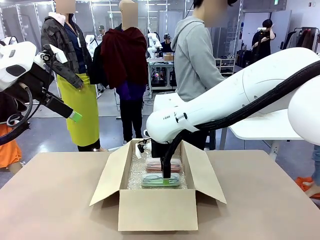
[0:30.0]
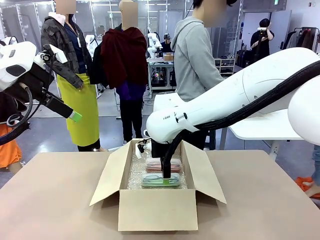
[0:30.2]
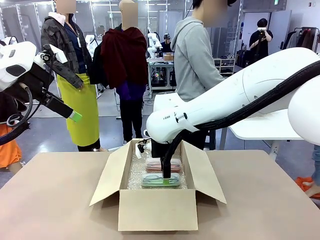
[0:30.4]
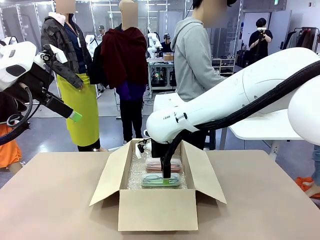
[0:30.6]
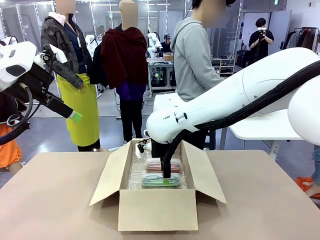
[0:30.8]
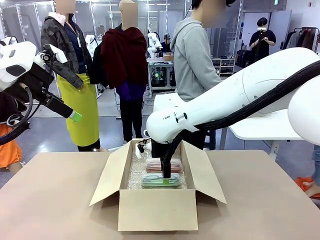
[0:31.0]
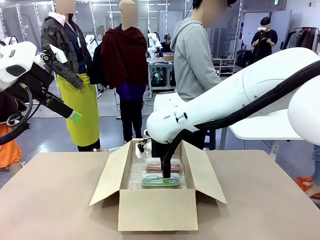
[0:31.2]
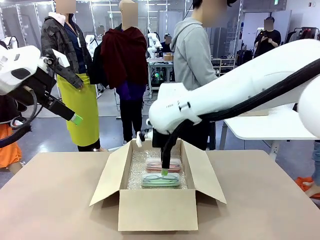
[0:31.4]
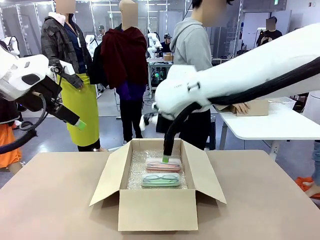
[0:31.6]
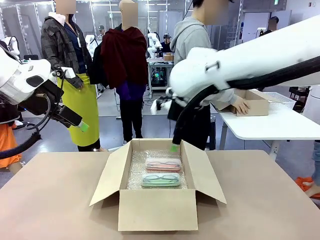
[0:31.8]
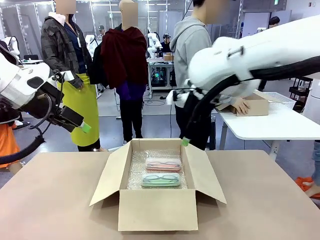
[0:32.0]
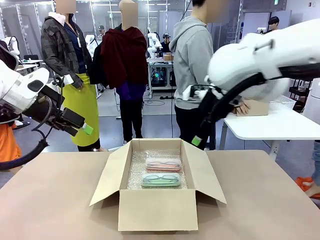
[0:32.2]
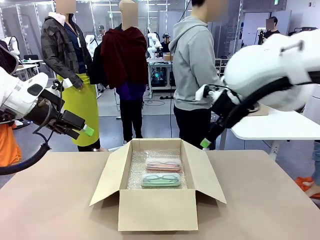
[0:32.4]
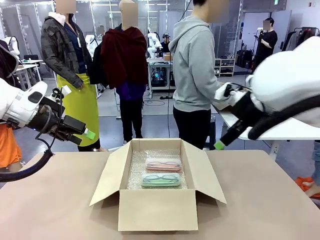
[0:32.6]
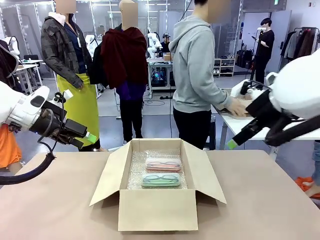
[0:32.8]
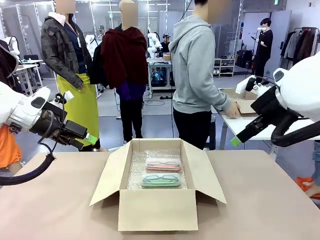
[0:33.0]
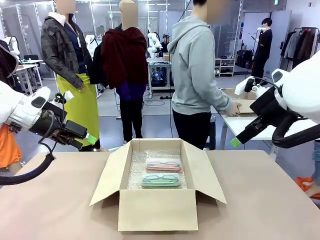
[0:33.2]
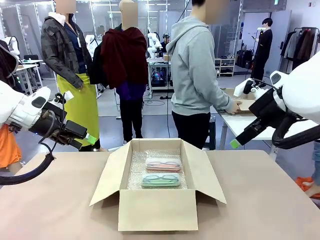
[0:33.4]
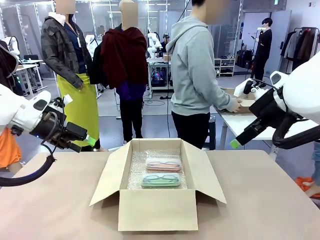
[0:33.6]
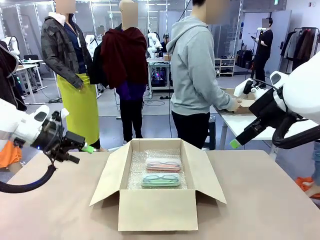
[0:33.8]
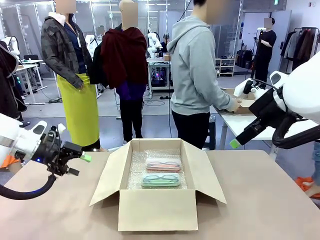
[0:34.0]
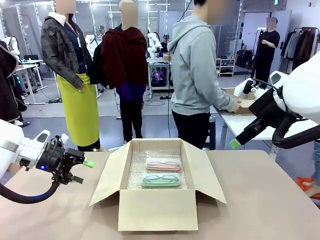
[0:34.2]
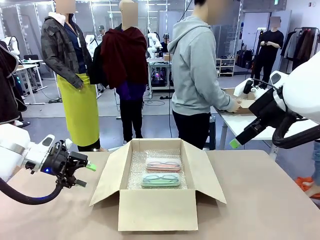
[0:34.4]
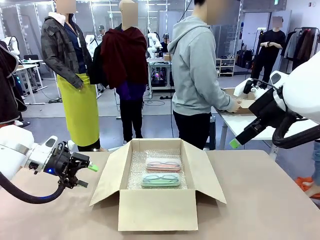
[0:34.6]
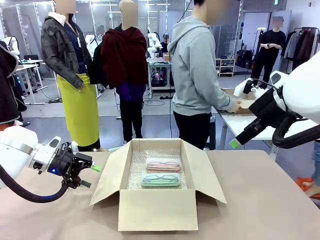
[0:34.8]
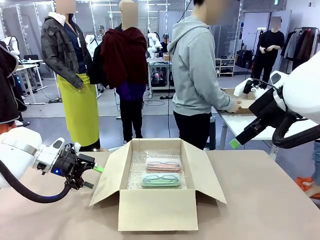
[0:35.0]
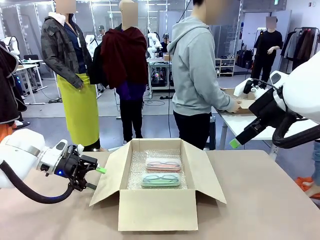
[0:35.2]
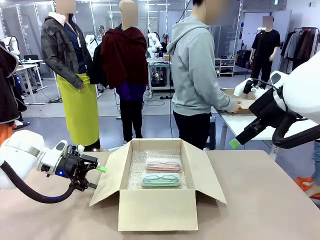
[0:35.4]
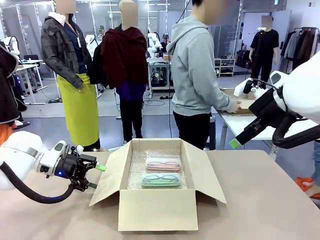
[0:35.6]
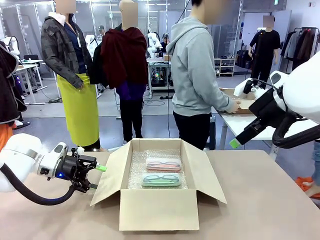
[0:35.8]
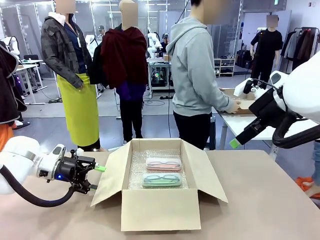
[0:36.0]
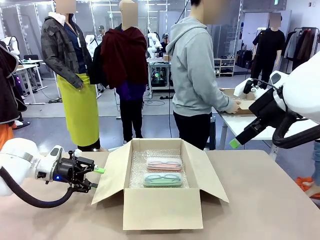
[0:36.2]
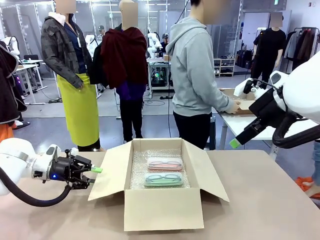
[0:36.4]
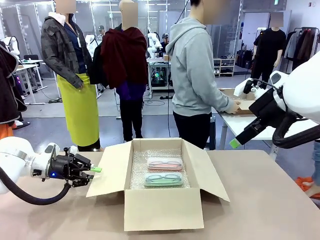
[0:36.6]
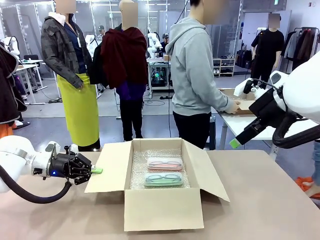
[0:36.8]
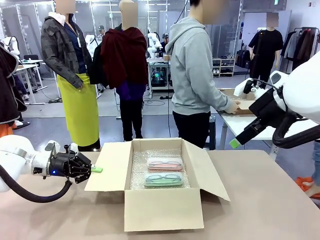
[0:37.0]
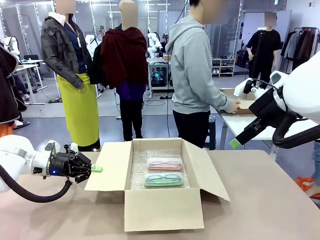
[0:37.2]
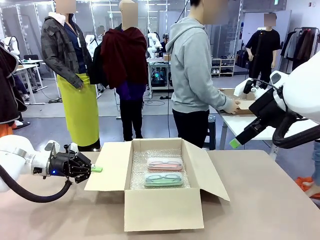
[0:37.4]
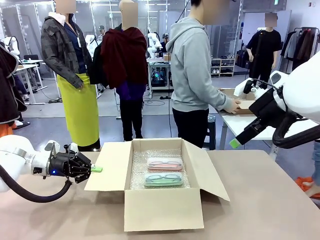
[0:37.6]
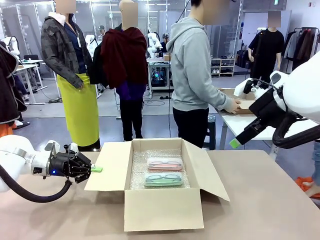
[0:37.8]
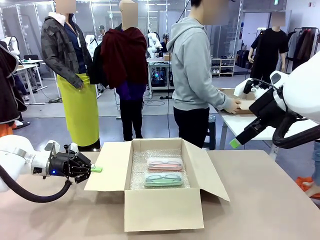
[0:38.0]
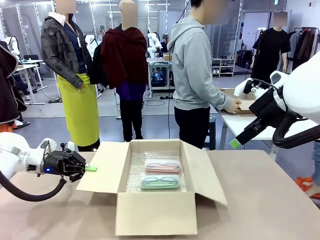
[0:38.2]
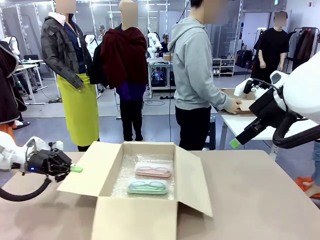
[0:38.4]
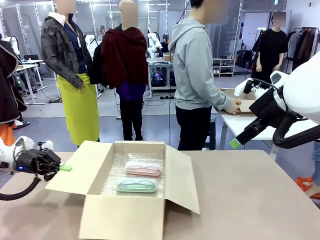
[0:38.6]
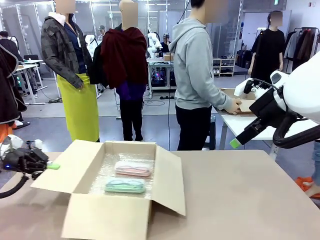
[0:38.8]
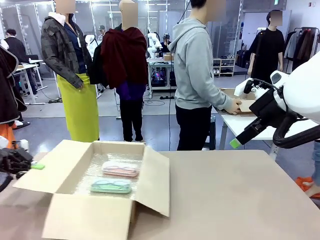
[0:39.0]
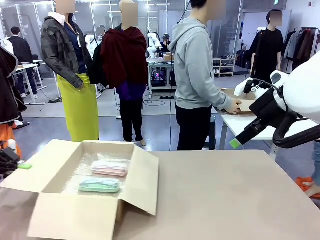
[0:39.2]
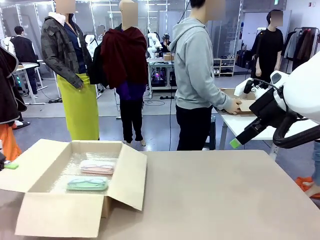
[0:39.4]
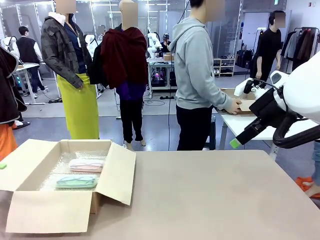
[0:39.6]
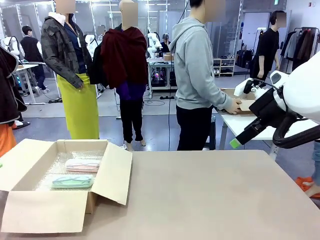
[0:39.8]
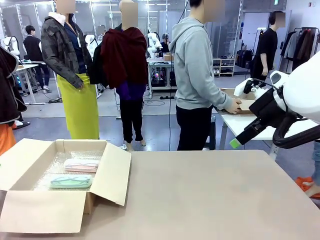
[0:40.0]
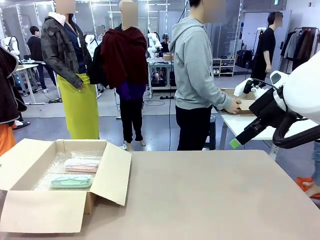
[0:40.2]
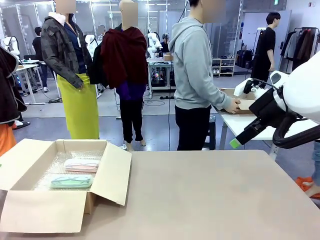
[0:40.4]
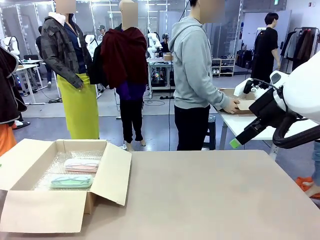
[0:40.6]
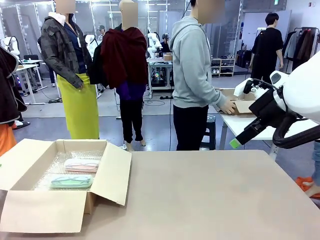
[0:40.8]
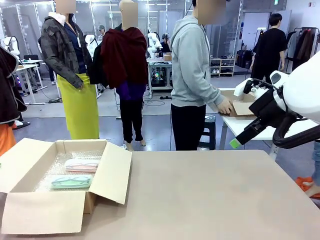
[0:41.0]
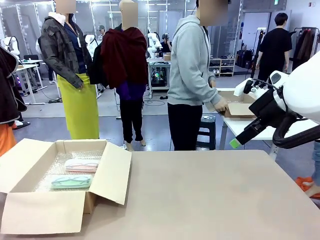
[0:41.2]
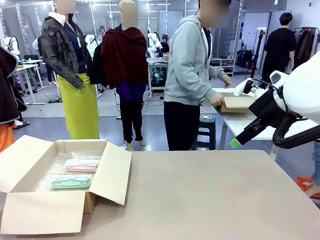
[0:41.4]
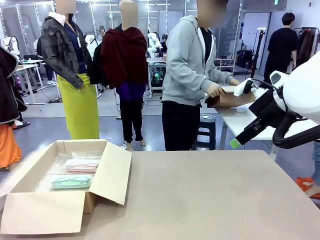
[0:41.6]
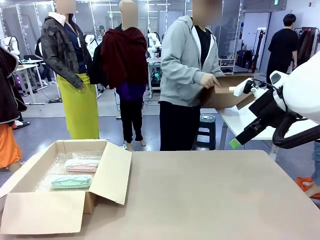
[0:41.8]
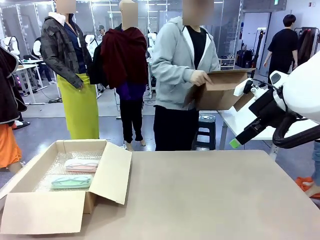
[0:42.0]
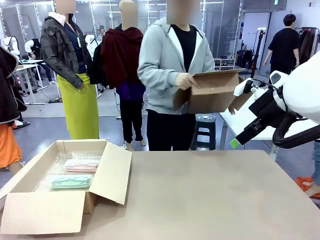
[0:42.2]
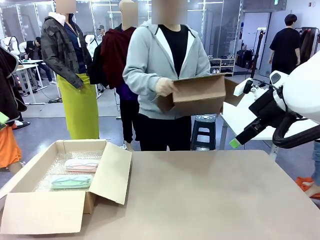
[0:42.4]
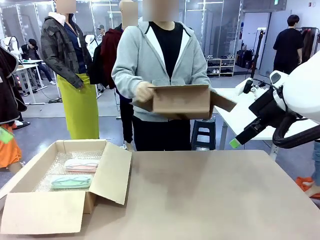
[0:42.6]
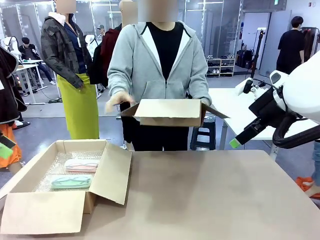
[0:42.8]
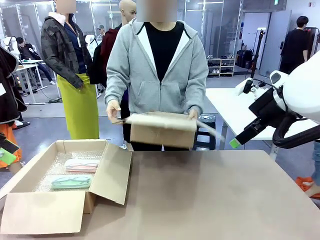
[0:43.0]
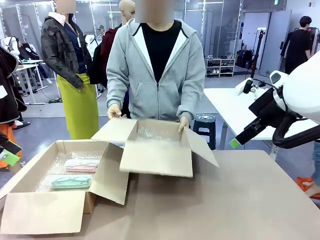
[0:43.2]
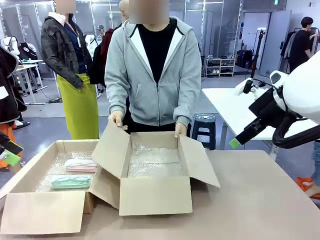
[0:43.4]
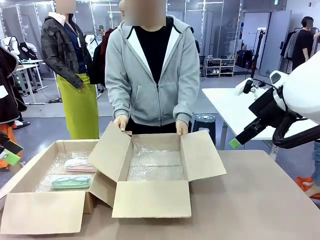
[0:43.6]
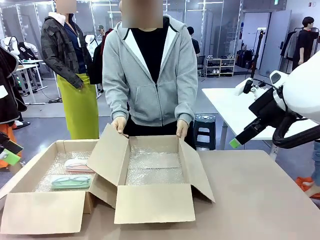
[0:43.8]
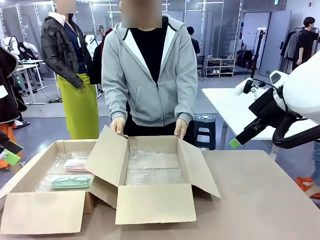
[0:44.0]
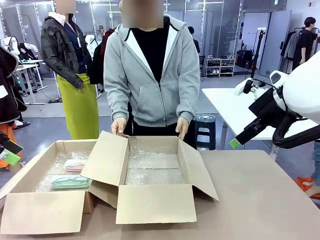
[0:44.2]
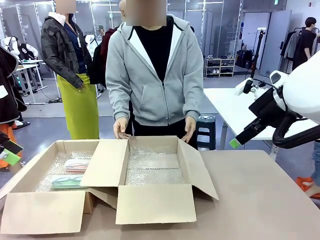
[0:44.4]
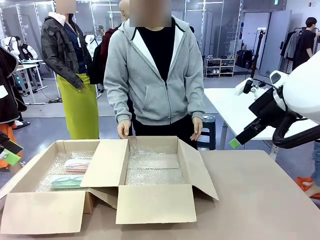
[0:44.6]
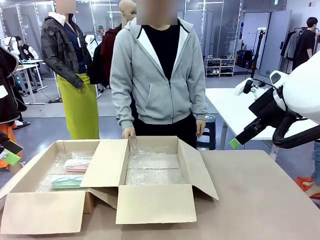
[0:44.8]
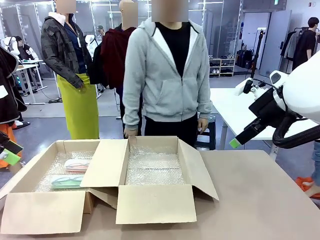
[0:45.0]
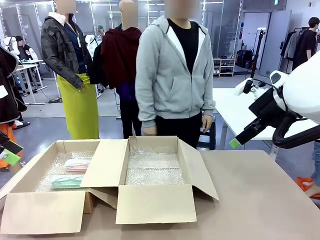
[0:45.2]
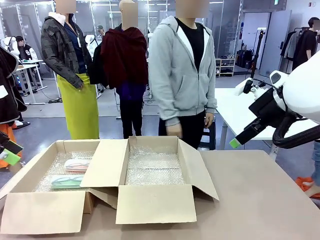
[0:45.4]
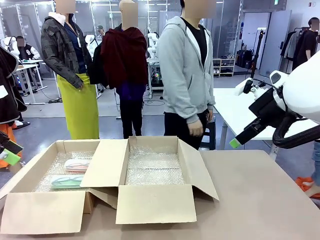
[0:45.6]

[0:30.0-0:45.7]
Task: Pack the glasses set securely to prepare it for shipping.
Robot: Position the Package Box on the left side of the table.
Person: Position the empty Package Box in the middle of the robot's table.

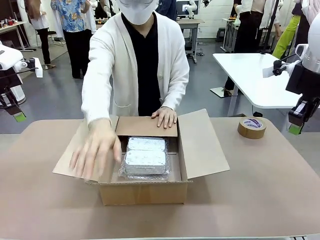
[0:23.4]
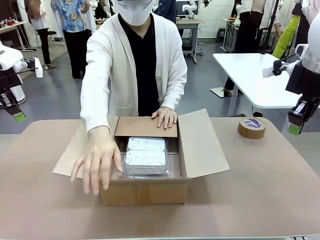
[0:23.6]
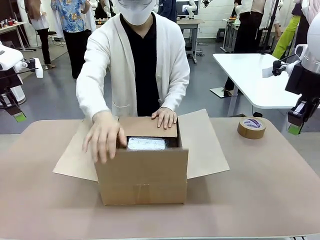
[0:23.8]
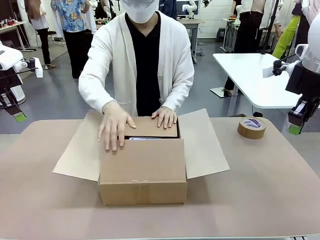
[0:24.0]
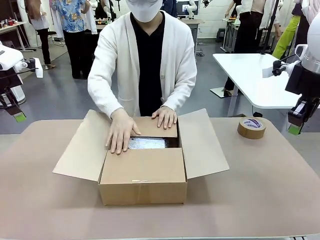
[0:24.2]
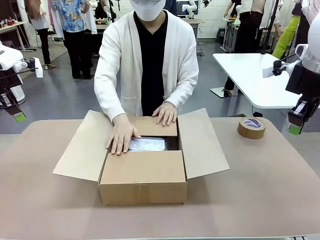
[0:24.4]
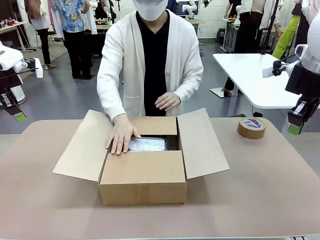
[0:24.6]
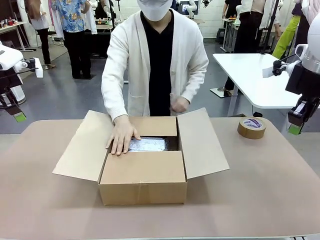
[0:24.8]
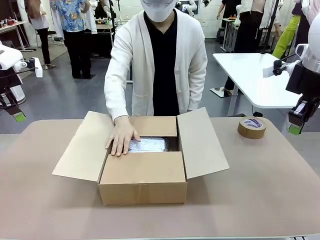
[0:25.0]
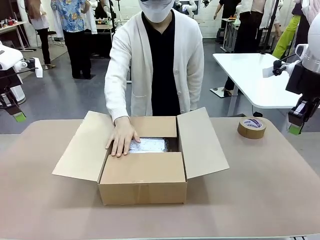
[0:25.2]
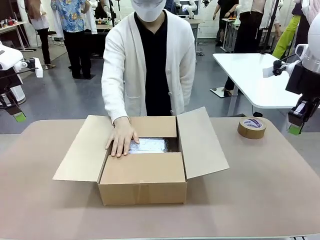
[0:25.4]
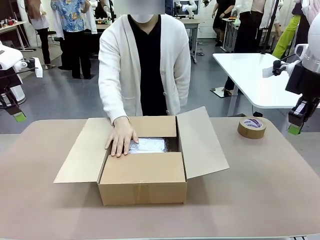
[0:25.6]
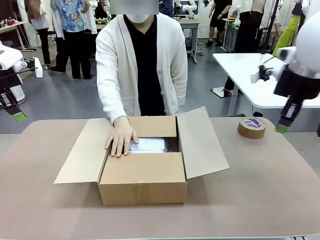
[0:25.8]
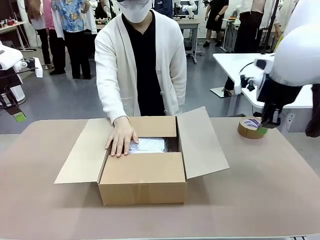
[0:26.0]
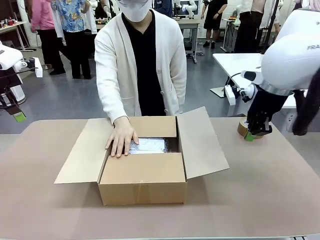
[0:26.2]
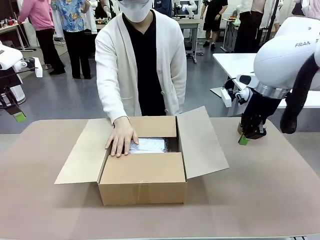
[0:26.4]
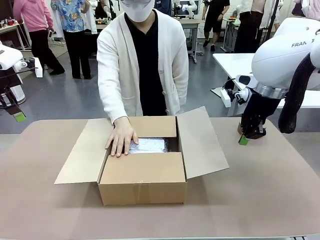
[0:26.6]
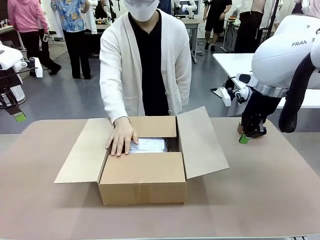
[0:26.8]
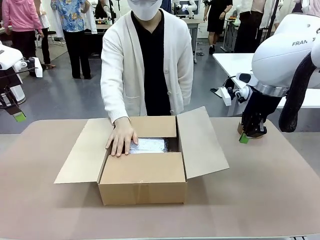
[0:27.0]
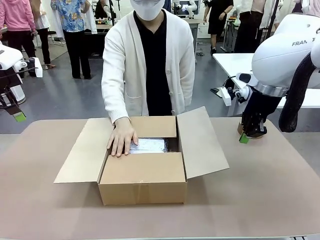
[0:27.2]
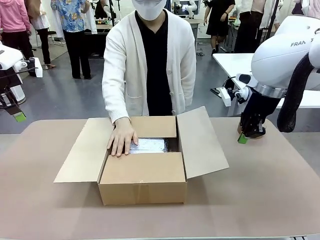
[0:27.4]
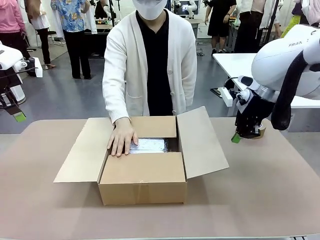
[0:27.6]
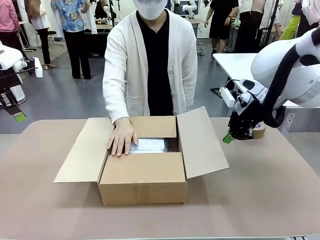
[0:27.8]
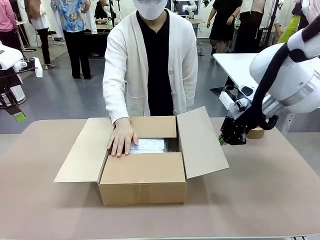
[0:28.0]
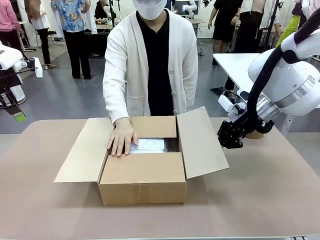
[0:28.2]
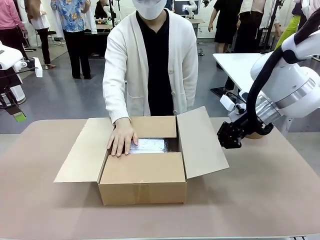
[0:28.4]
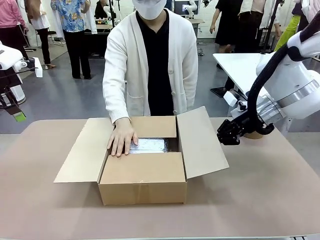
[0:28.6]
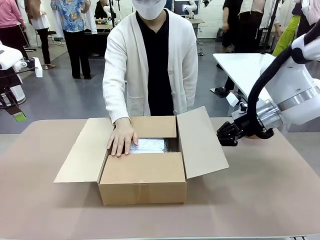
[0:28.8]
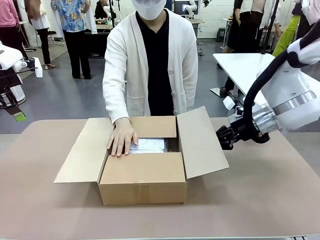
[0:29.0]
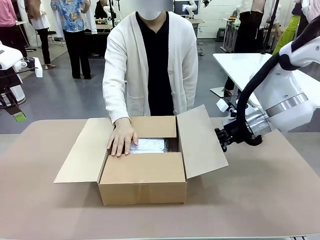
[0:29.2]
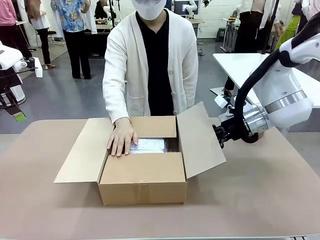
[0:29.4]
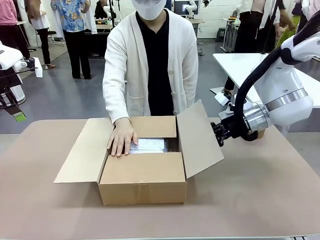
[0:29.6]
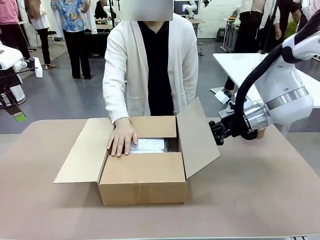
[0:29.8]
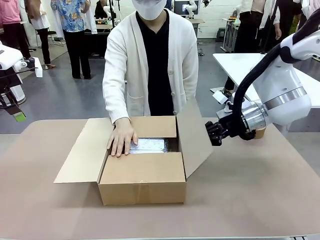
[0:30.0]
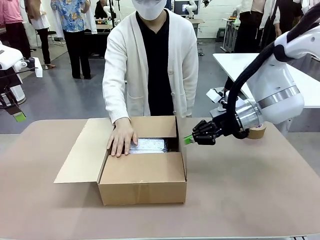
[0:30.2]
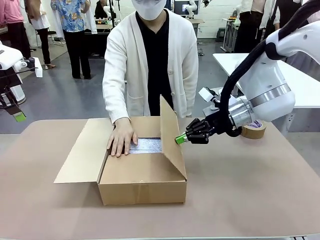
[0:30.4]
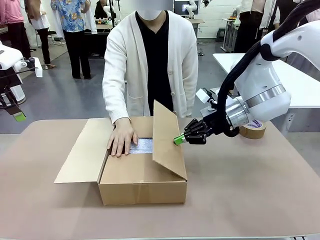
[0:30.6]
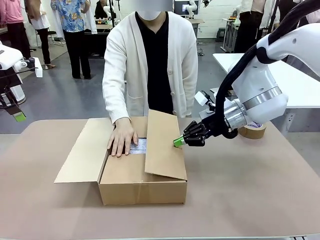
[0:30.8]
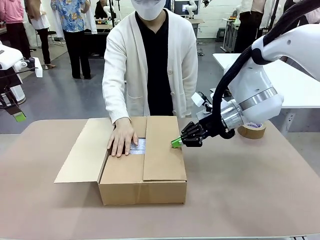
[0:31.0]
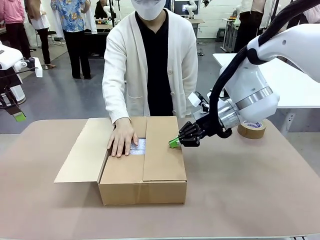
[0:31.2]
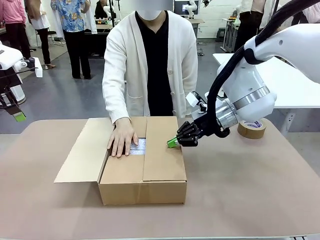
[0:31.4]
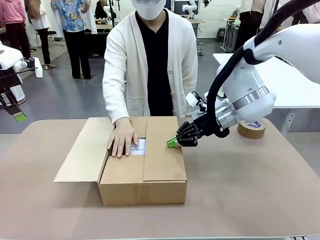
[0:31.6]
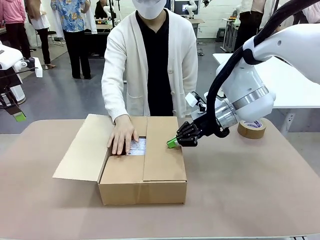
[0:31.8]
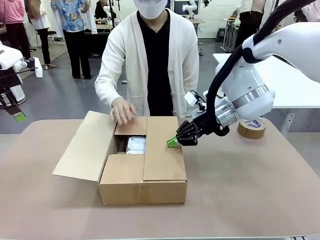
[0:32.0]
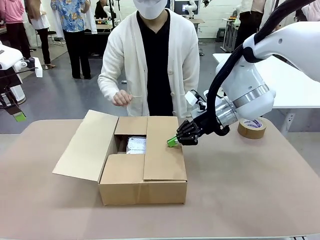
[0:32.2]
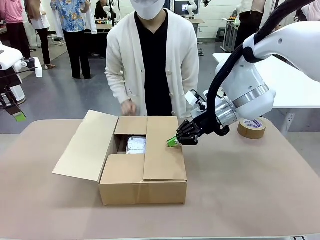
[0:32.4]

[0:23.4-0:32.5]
Task: Wrap the clocks to prevent damage.
Robot: Push the right (or left) flap of the Package Box to close it.
Person: Once the robot closes the right flap of the Package Box , release your left hand from the box.
